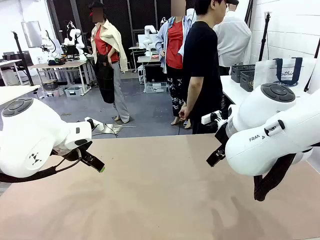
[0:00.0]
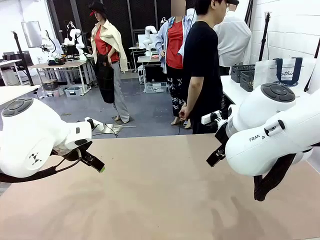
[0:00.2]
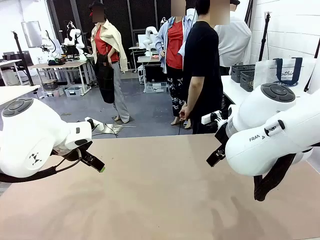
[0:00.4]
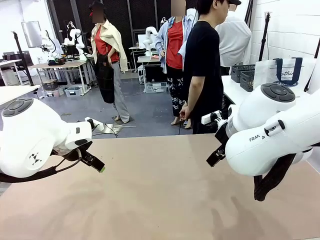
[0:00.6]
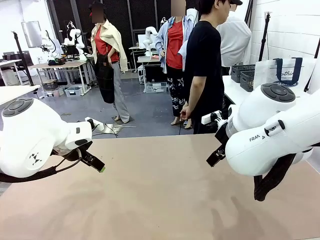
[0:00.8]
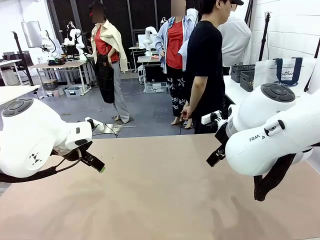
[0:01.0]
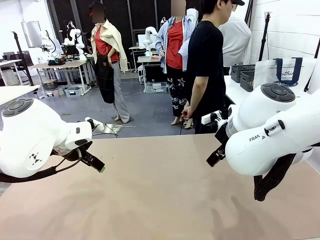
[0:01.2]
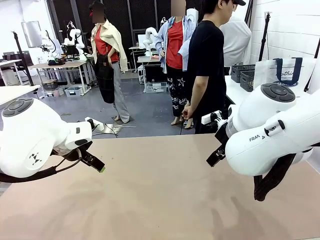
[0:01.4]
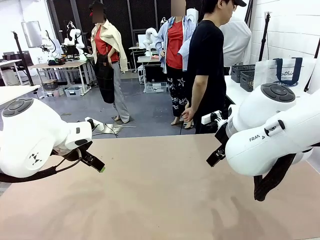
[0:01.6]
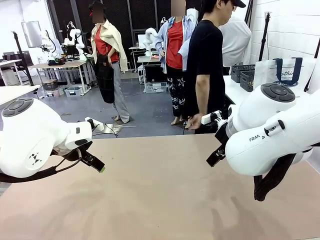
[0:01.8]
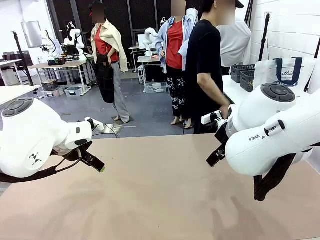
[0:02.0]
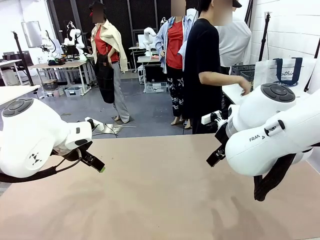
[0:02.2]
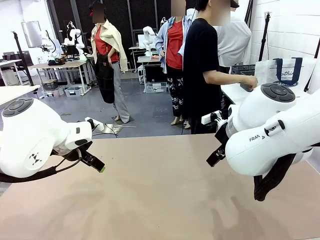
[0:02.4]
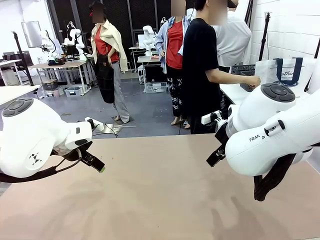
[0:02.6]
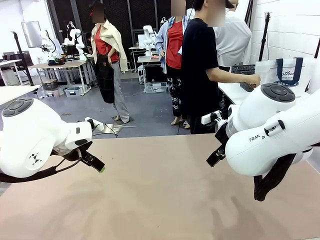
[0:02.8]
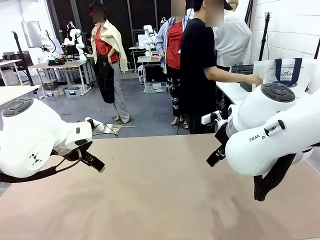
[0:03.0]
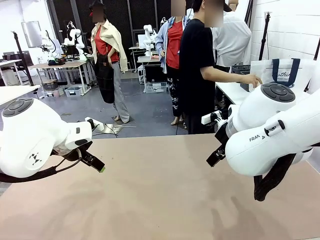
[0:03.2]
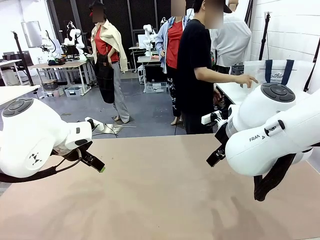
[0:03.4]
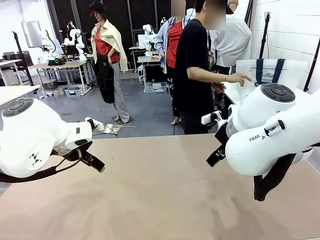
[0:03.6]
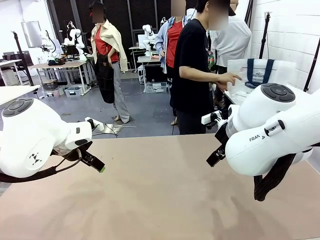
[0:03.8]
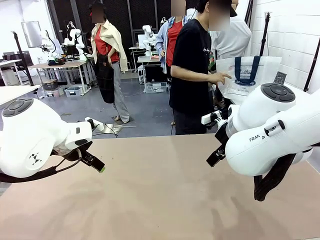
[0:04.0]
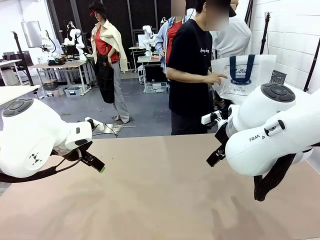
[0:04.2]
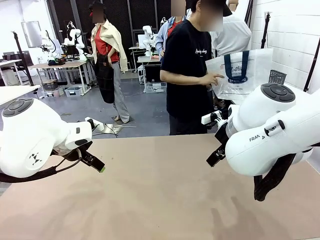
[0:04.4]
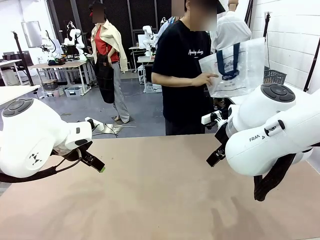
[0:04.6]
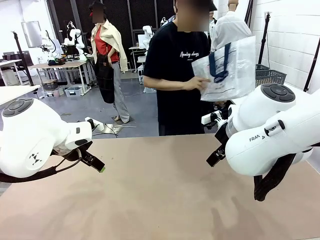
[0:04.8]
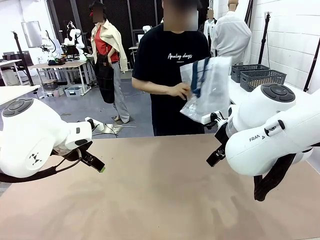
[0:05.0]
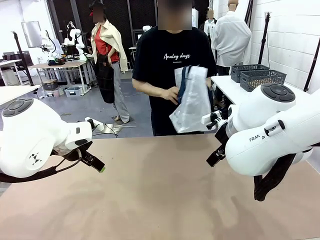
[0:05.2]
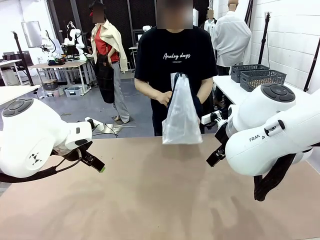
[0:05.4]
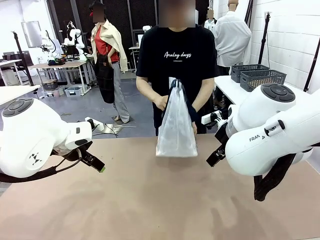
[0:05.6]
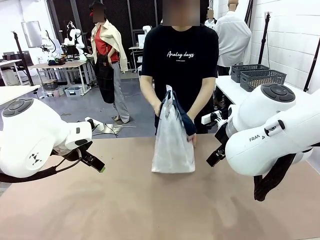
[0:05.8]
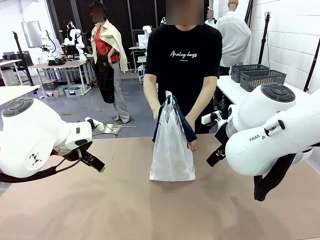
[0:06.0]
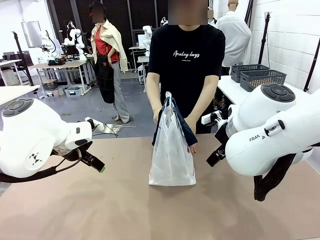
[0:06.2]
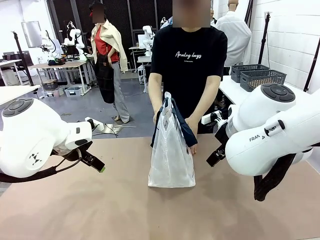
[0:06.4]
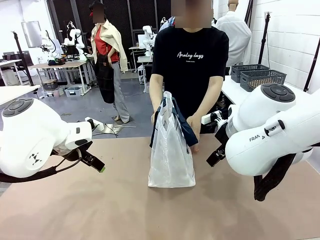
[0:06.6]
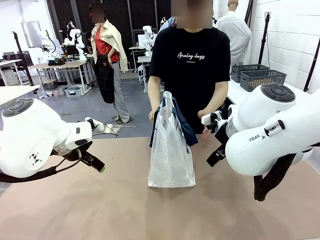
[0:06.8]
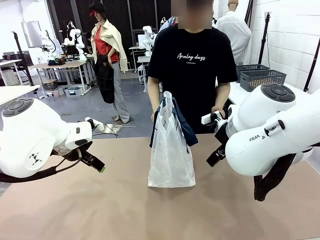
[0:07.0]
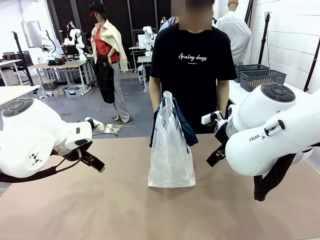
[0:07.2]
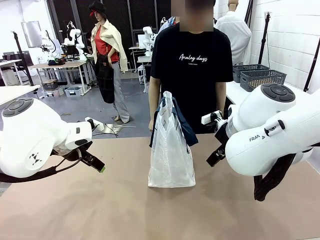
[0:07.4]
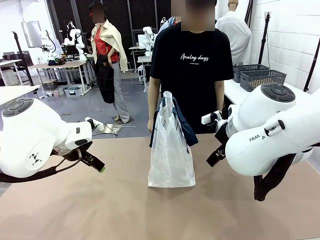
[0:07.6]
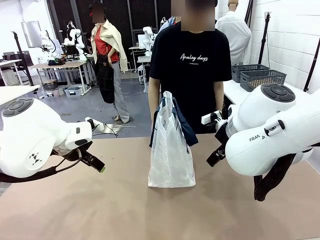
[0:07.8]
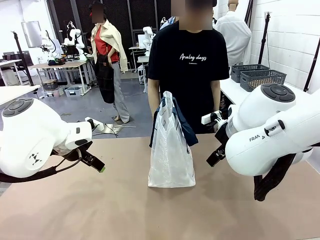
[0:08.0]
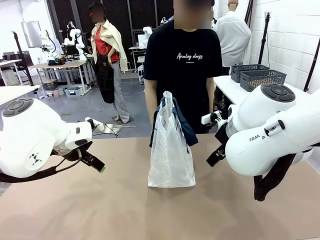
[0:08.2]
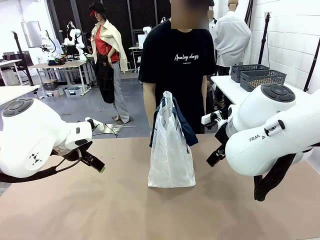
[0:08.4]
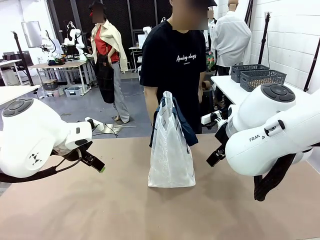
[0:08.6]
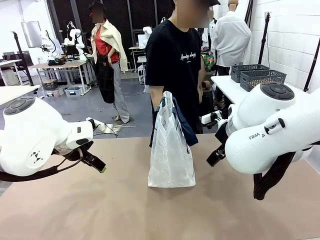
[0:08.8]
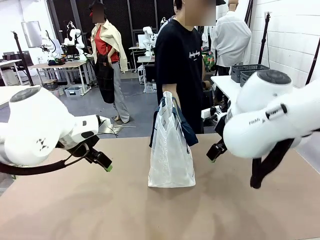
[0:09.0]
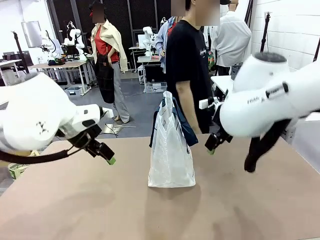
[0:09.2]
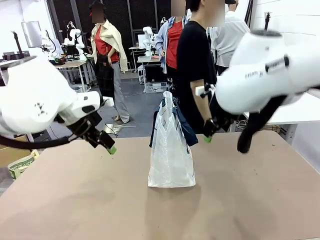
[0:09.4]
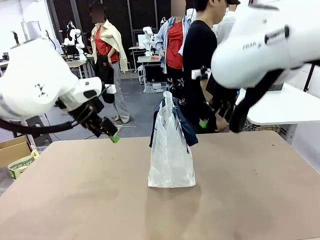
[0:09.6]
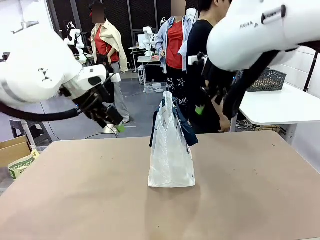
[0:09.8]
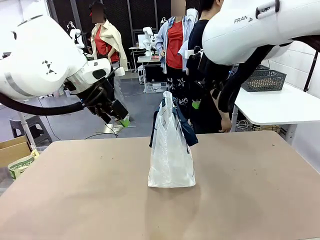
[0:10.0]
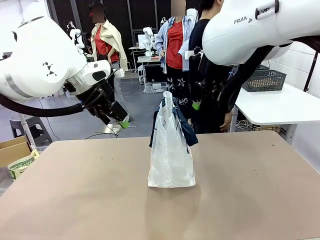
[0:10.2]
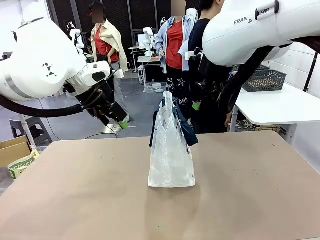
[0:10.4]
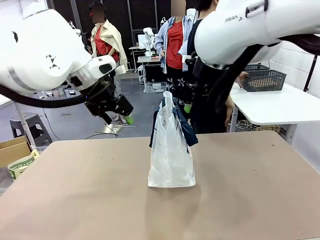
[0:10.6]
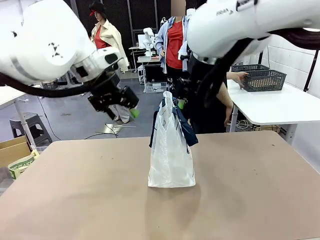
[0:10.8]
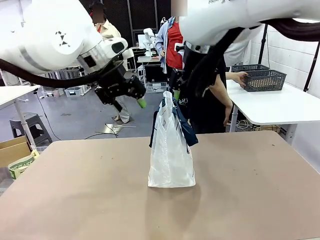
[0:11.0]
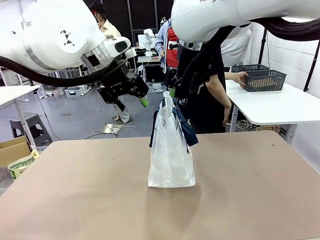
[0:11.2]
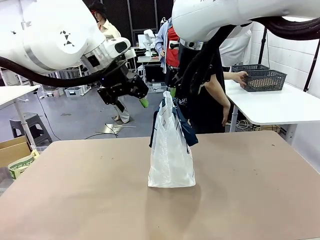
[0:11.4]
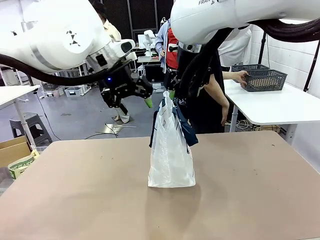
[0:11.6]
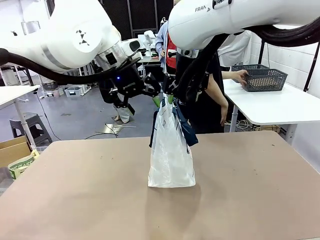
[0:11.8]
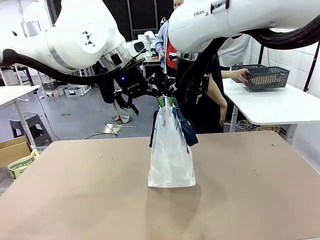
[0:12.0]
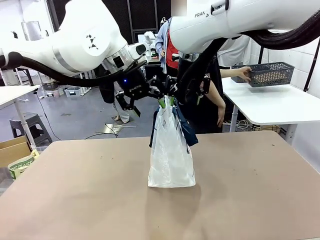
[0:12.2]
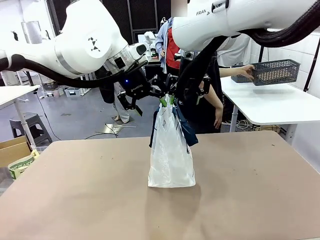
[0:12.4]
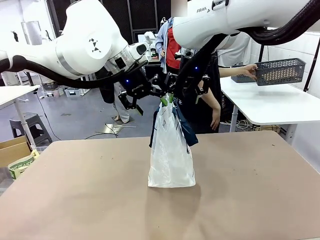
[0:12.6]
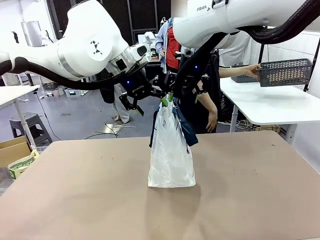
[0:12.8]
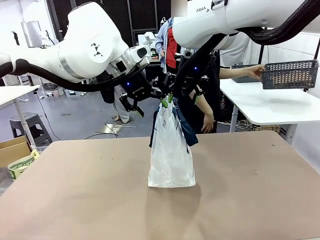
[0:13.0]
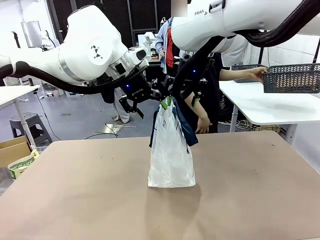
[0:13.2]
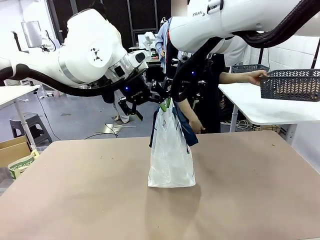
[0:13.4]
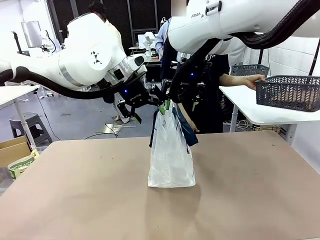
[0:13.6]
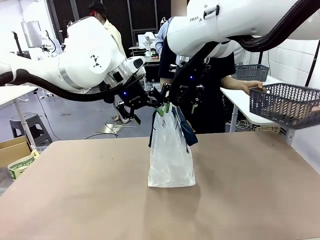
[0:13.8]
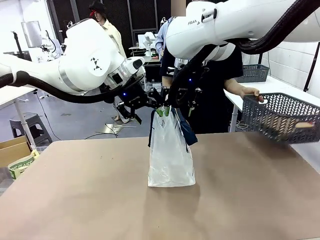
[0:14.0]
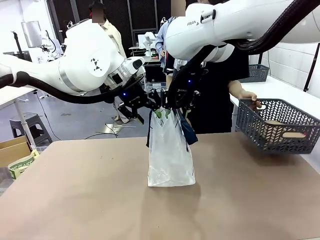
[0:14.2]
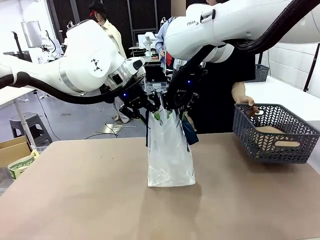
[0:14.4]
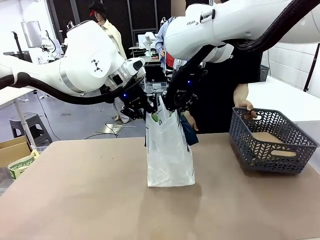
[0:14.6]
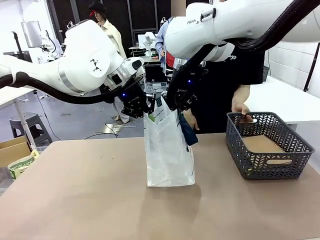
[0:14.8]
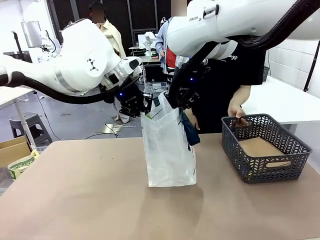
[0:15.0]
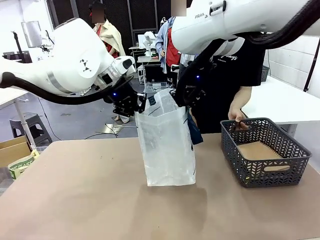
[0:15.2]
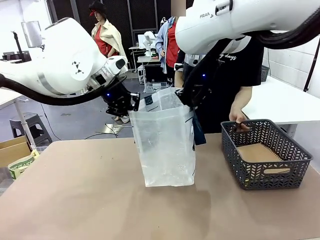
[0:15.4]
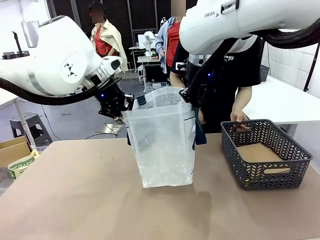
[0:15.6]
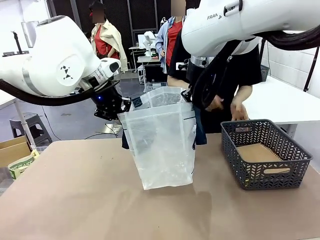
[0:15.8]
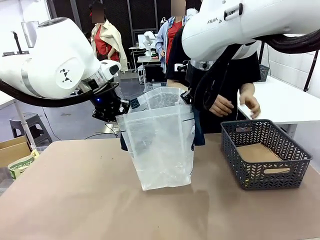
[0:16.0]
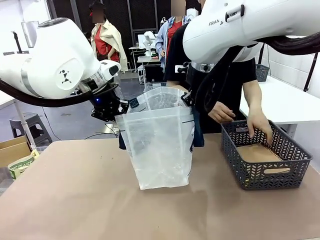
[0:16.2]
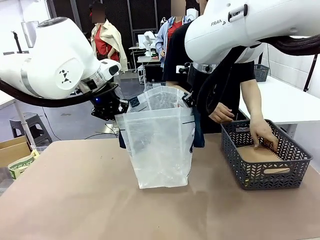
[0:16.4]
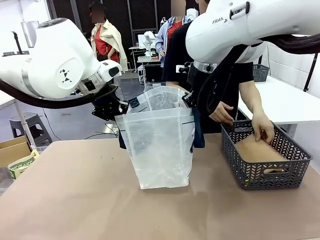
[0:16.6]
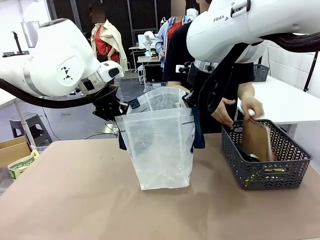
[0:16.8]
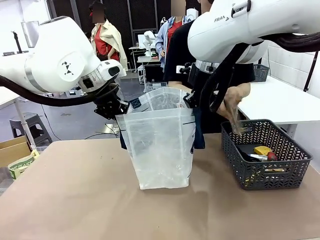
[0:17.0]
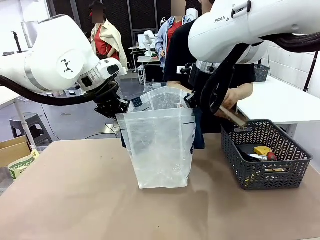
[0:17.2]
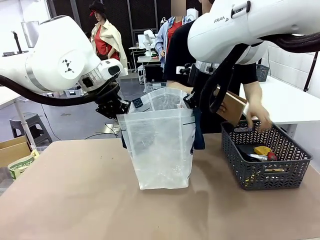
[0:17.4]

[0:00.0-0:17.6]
Task: Transfer purchased items from the store into the shopping bag.
Robot: Open the Reusable shopping bag in the center of the table.
Person: Pick up the shopping bag and place it in the middle of the robot table.
